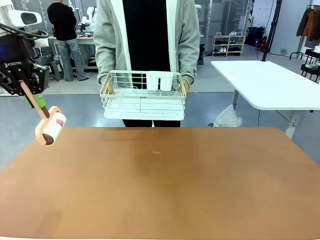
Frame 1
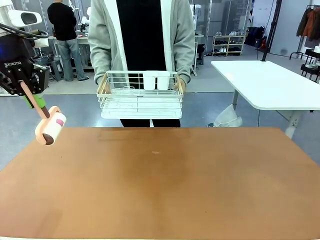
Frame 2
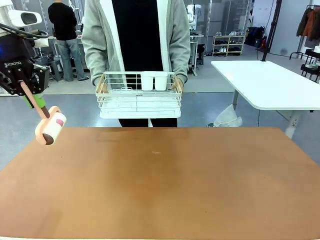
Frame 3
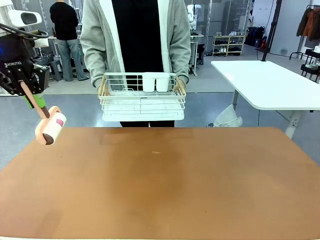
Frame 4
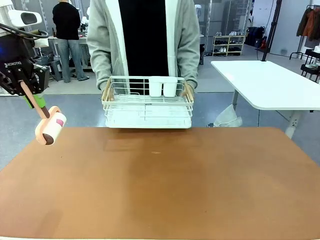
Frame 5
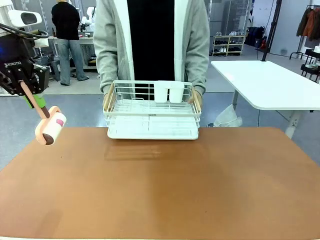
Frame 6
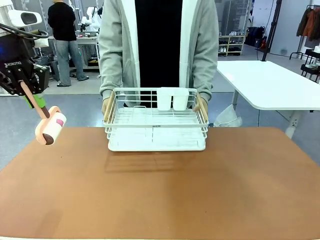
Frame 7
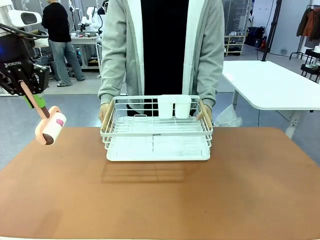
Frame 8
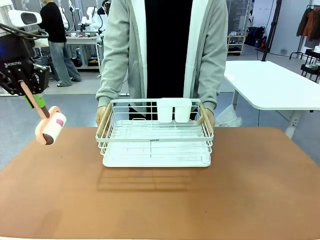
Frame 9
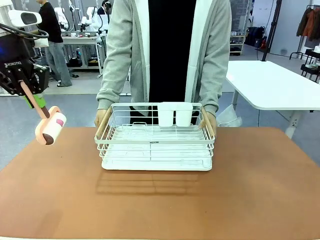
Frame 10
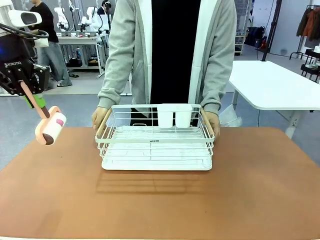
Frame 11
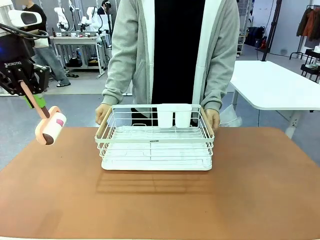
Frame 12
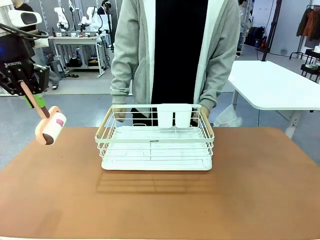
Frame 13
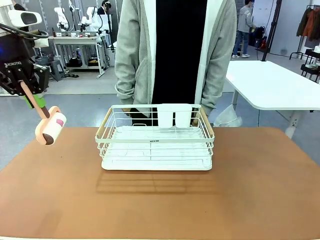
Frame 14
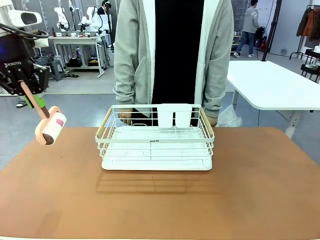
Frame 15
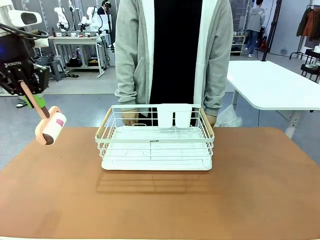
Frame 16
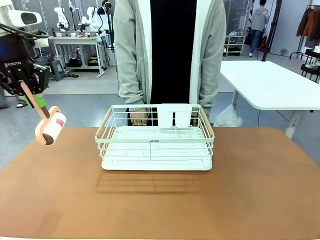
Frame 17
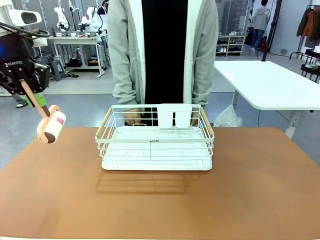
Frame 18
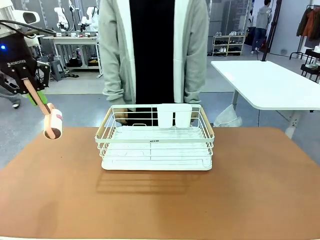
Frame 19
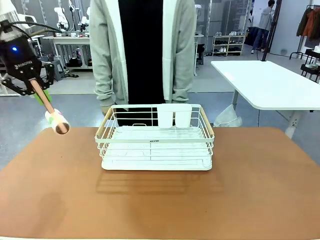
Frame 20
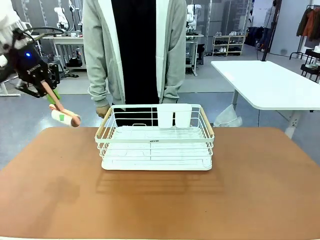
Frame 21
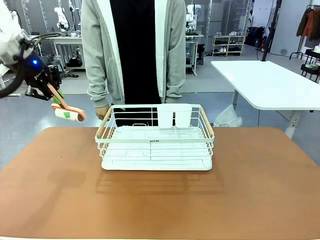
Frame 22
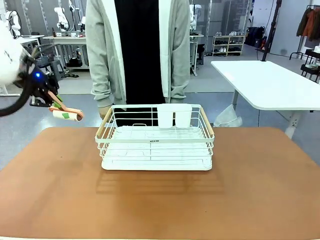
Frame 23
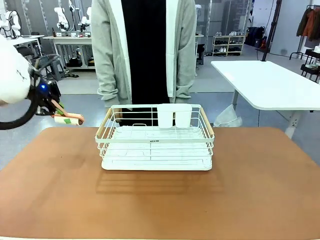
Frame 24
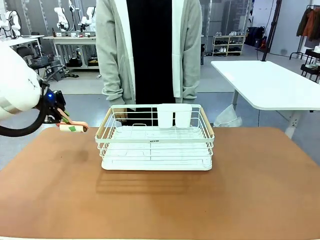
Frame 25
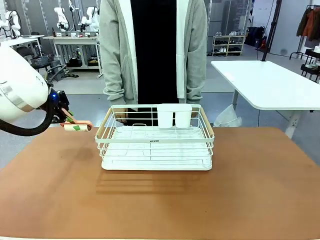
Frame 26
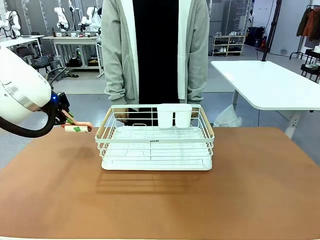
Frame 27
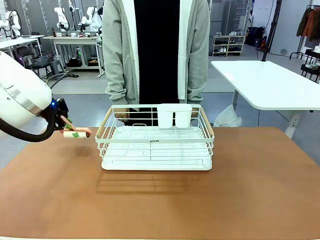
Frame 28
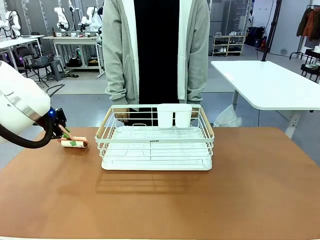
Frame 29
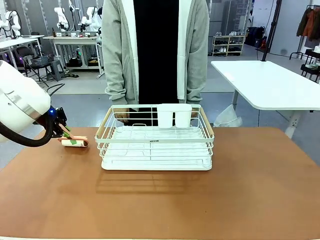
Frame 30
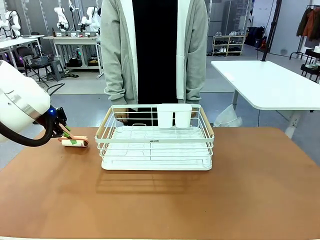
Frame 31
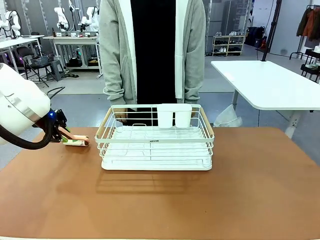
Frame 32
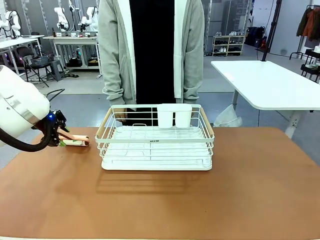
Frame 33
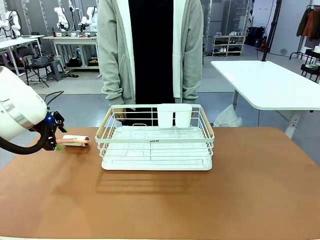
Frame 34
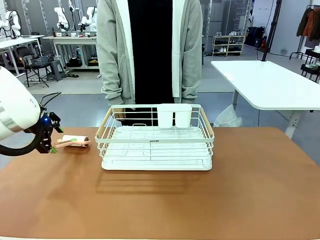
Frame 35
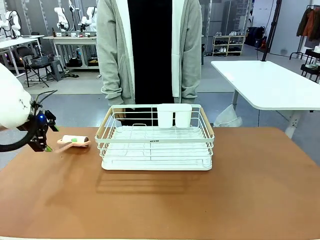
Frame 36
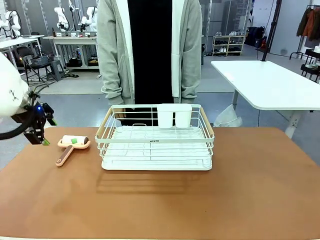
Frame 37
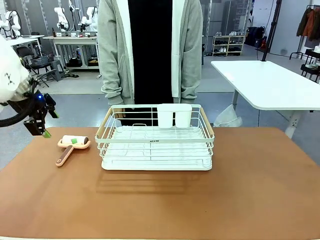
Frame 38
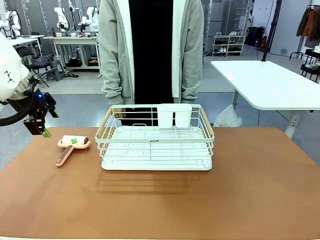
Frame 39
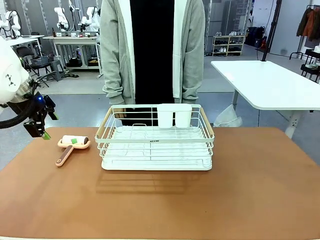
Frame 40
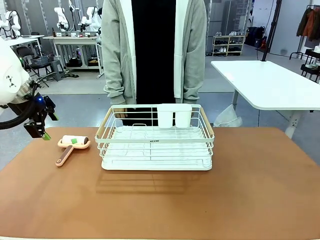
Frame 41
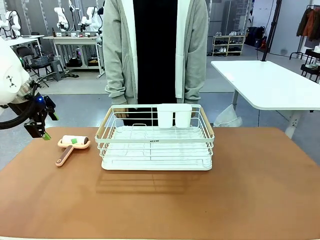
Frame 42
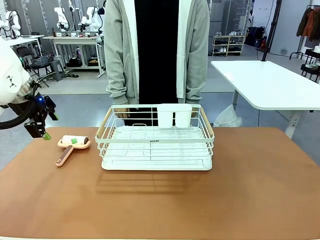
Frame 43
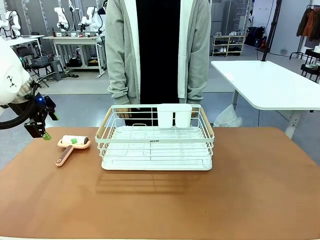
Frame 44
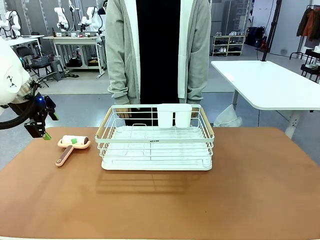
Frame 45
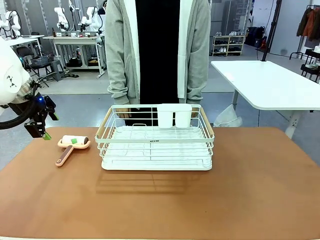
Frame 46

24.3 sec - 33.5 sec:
Task: Clean the table.
Robot: Place the Lint Roller down when the Dish drying rack is positioned in the middle of the table.
Person: Place the Dish drying rack down when the robot finishes cleaning.

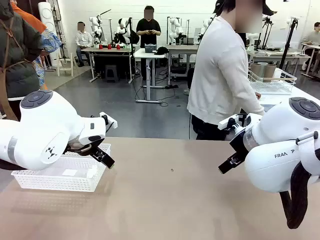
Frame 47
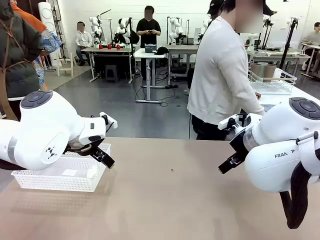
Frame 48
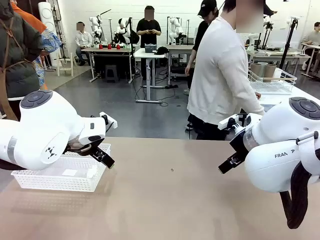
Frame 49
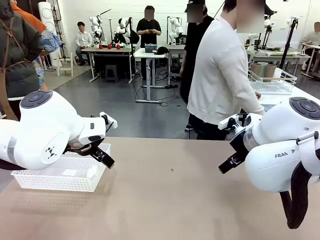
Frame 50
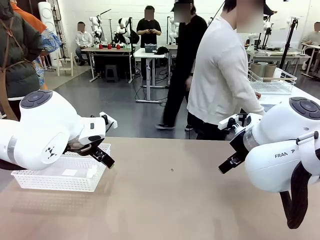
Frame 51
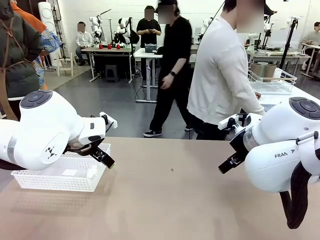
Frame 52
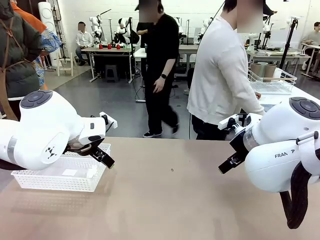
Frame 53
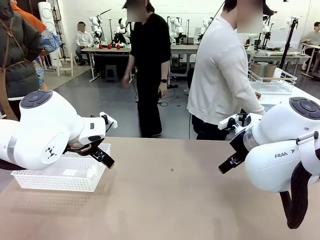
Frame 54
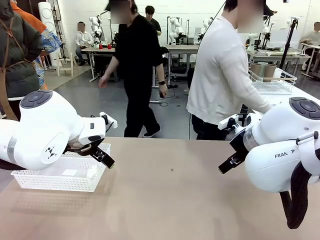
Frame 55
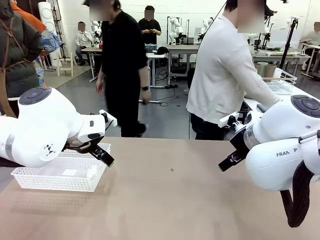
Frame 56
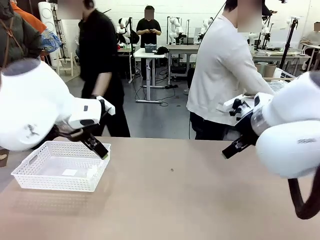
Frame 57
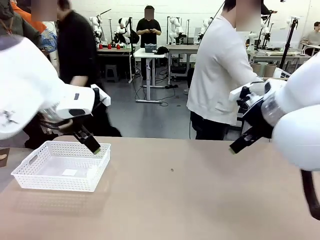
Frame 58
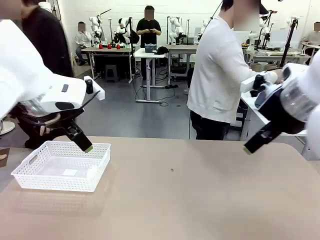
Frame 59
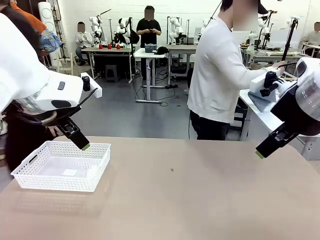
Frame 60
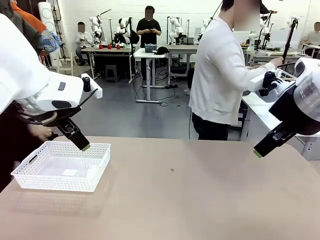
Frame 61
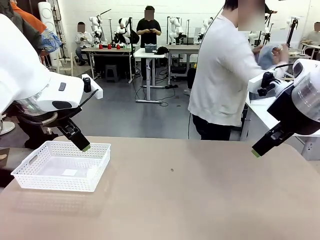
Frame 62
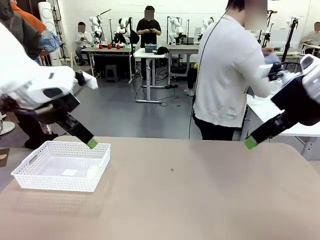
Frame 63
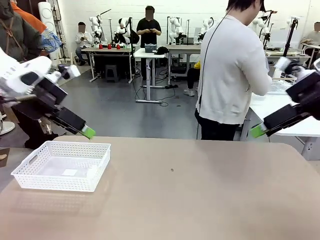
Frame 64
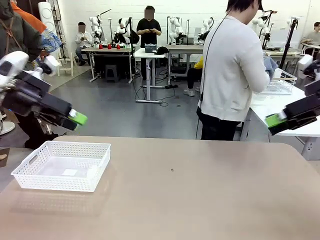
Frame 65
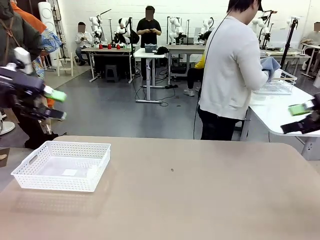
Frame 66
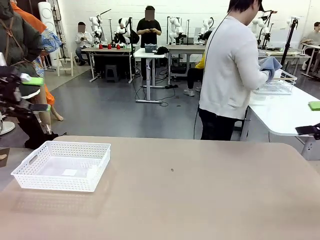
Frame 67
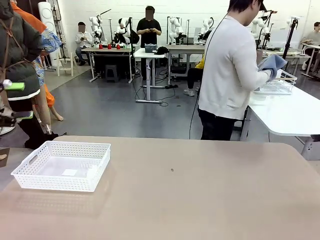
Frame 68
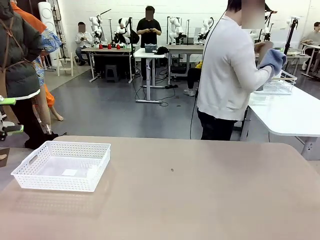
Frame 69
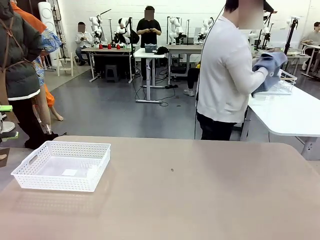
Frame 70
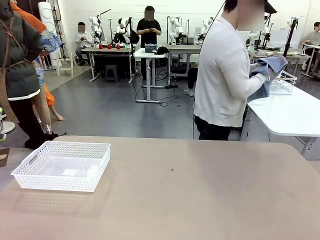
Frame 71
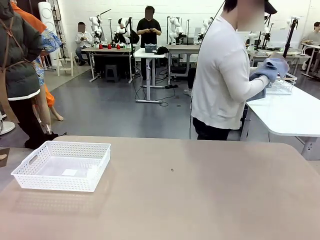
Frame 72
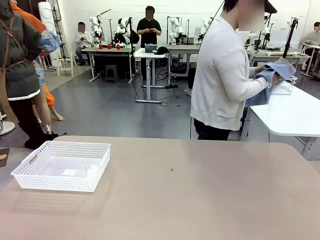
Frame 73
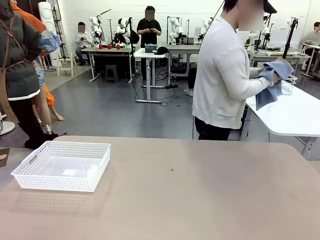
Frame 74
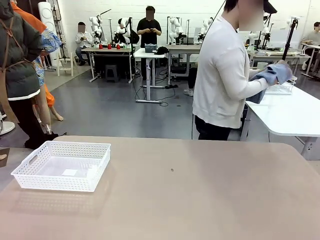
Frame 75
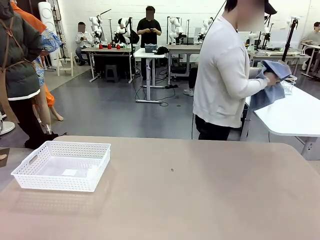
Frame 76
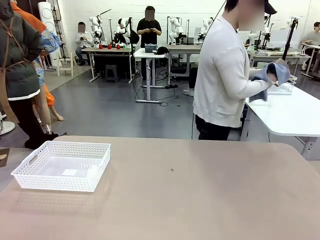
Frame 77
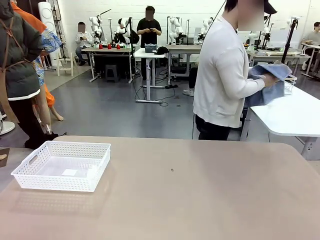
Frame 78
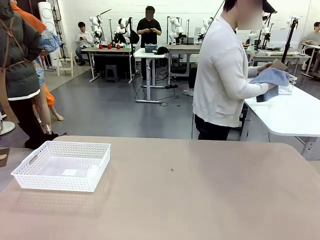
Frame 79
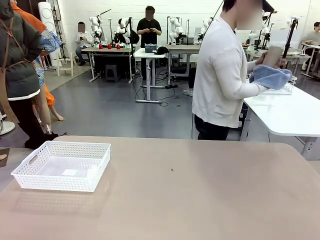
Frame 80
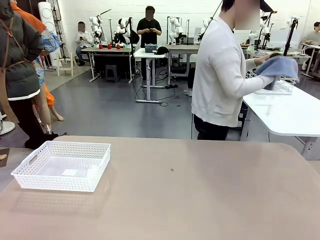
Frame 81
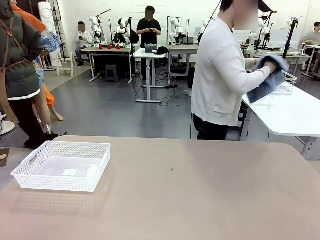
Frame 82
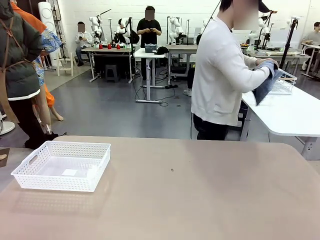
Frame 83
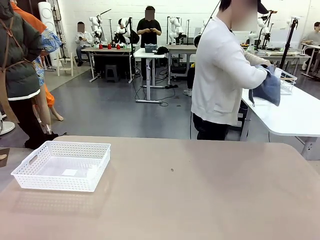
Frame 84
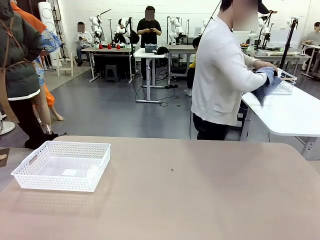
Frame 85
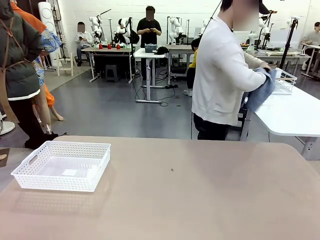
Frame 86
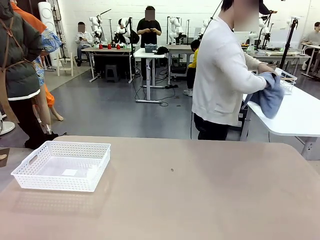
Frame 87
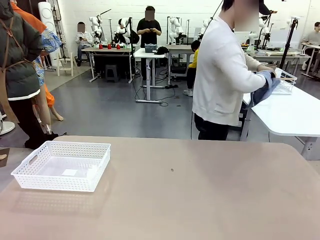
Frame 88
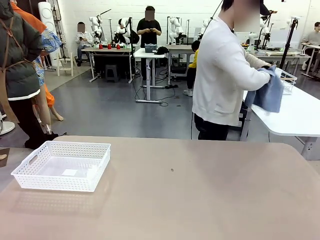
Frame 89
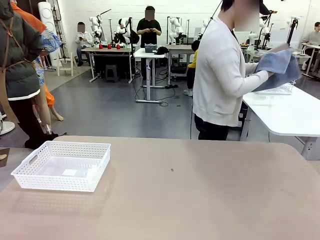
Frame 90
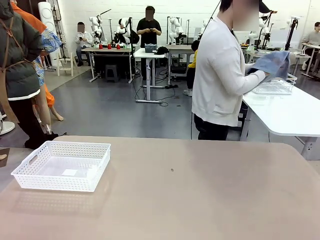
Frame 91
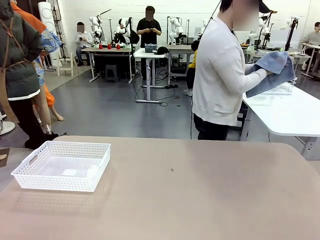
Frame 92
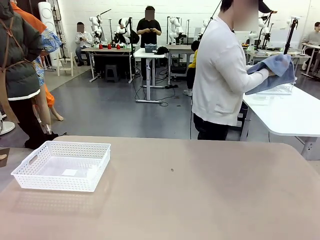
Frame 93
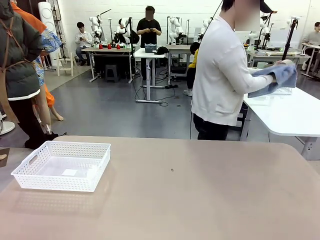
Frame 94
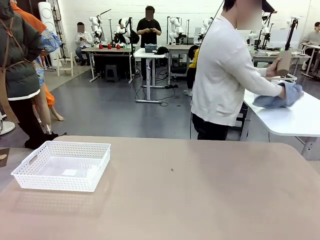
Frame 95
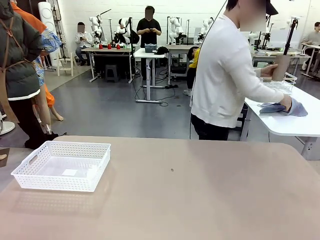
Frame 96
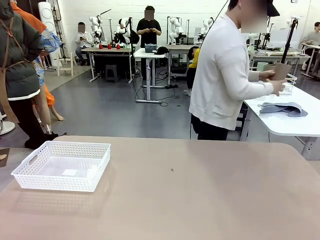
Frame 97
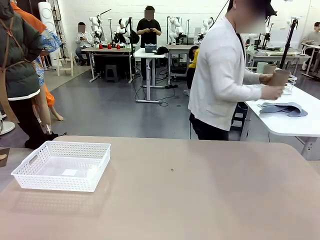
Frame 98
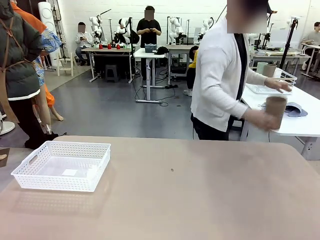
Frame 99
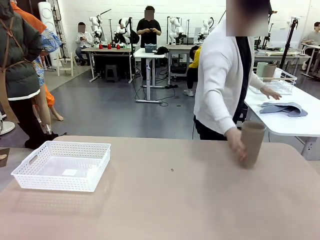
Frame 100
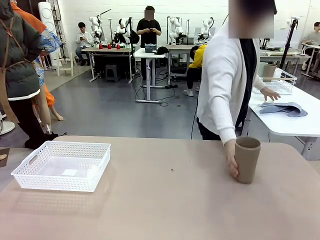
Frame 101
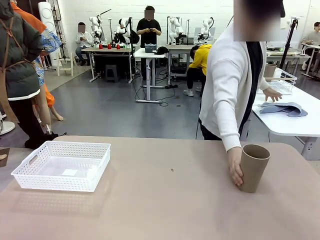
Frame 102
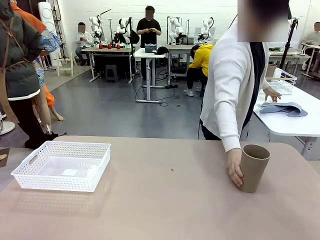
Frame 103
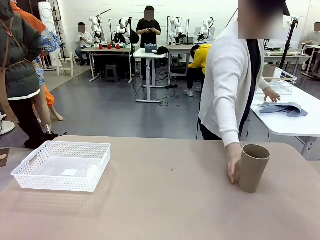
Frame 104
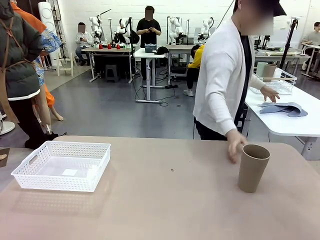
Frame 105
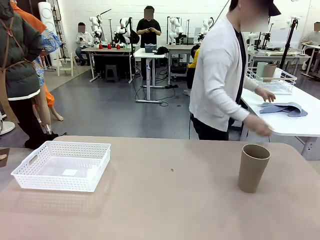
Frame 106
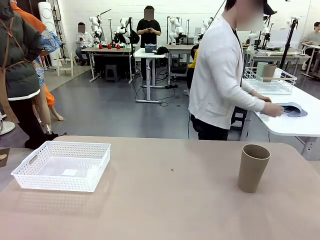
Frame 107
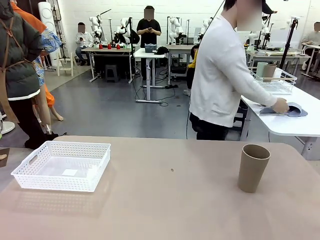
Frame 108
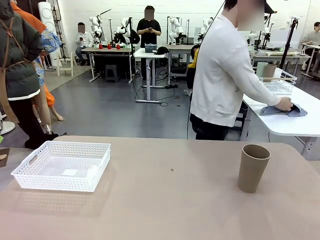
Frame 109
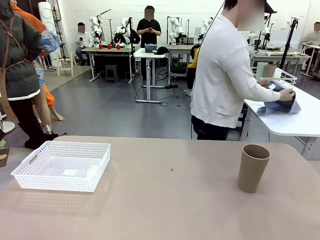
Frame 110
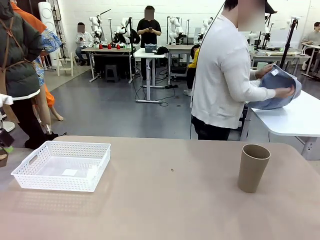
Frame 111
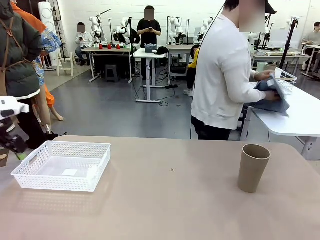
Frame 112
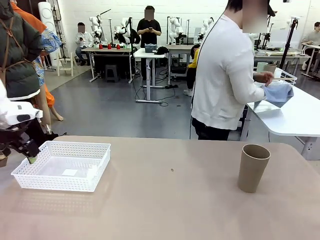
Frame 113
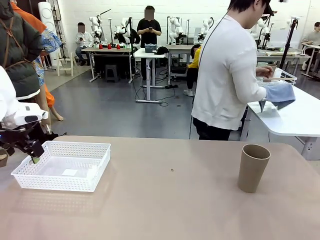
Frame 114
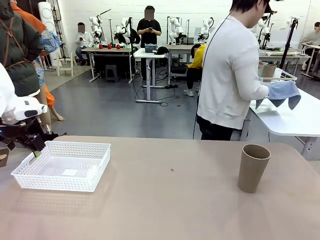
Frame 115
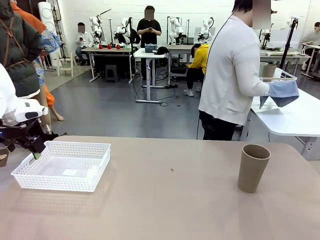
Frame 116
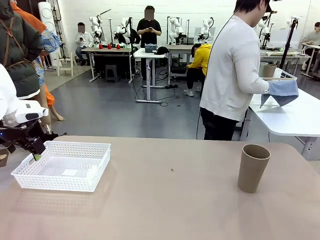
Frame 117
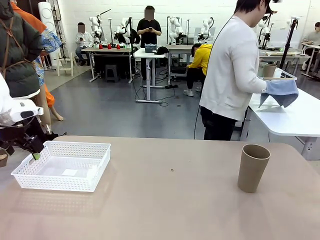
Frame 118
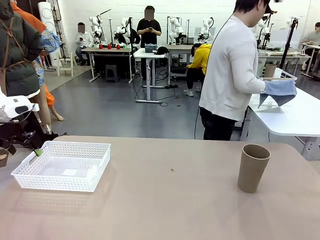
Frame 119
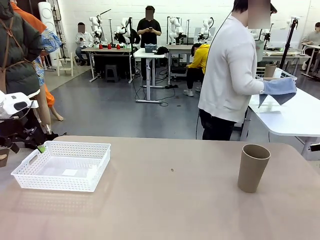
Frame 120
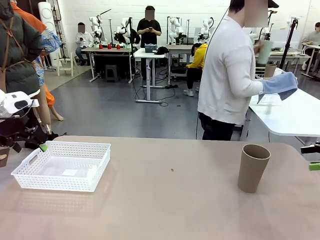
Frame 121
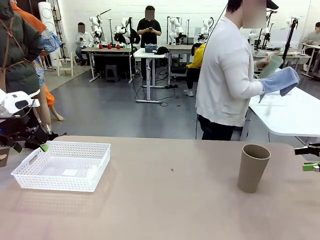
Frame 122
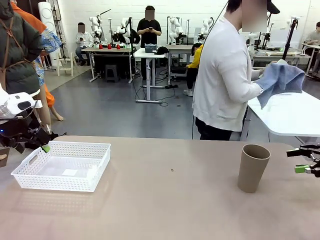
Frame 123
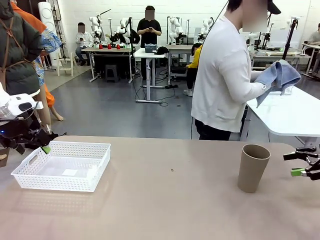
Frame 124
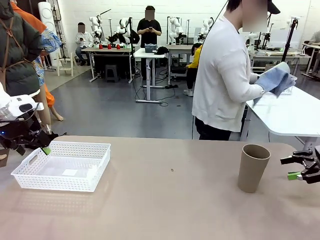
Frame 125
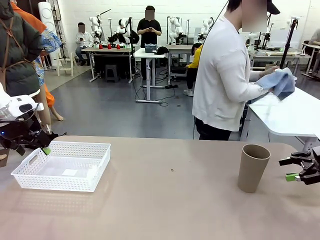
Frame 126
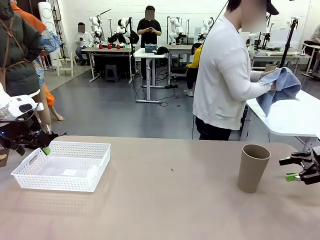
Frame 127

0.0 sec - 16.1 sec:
Task: Clean and organize the cups into the basket.
Robot: Pick up the Organizing basket and move it to the center of the table, then pick up the Reusable plastic cup from the right side of the table and place it inside the Organizing basket.
Person: Picks up a cup and a towel, cleans the cup with the towel, and places it on the left side of the robot table.
